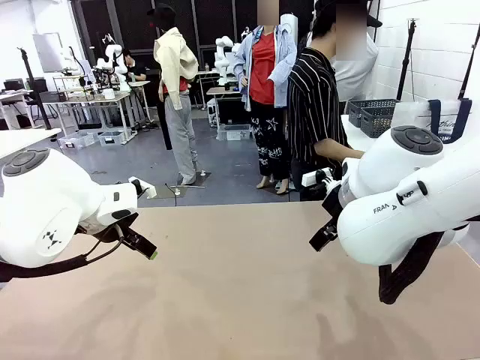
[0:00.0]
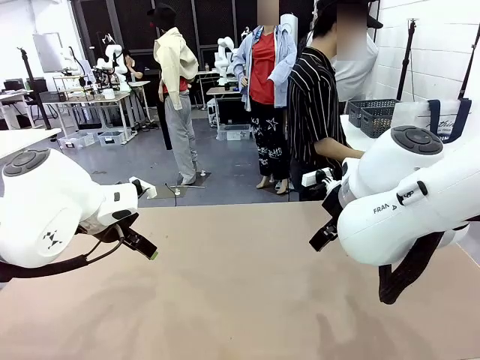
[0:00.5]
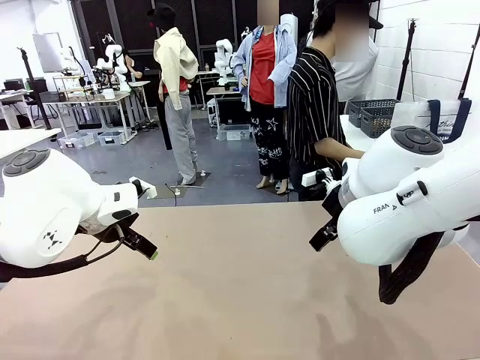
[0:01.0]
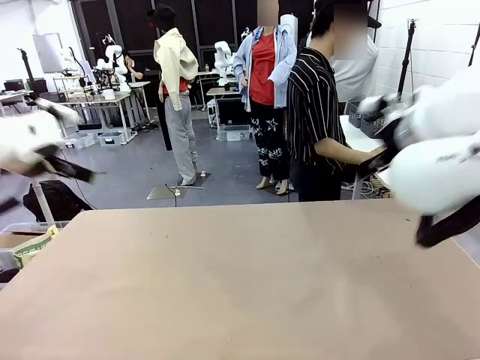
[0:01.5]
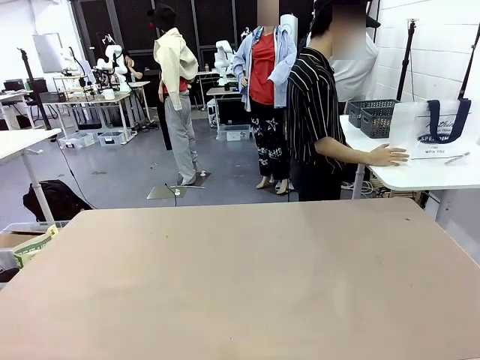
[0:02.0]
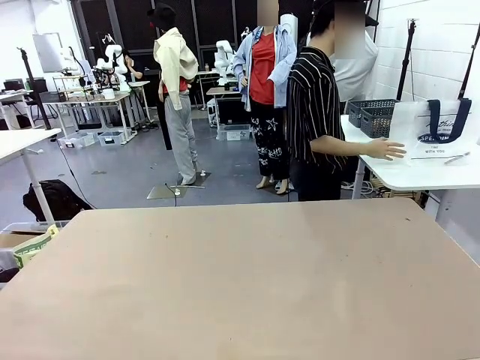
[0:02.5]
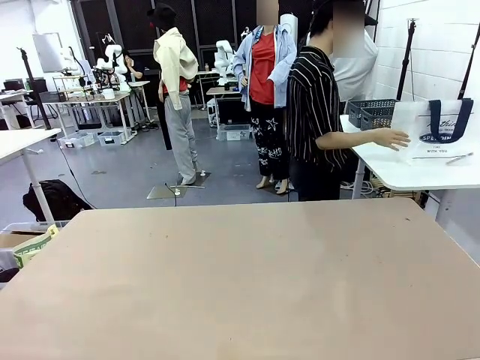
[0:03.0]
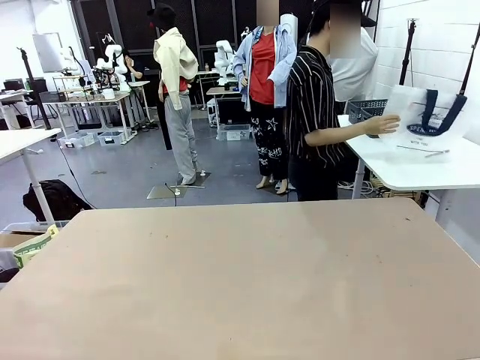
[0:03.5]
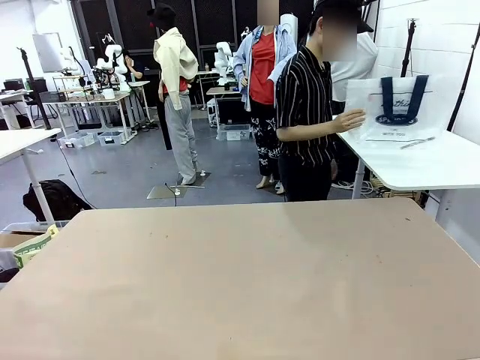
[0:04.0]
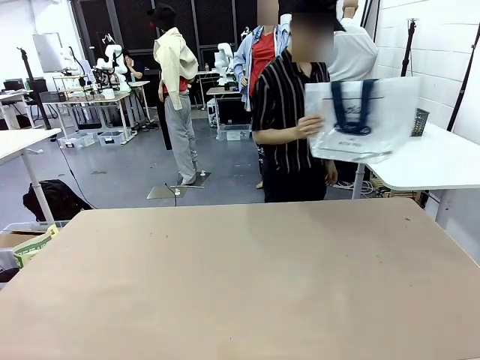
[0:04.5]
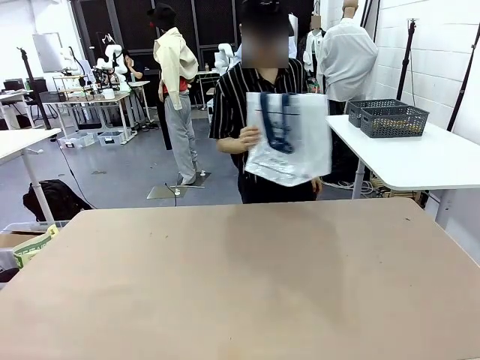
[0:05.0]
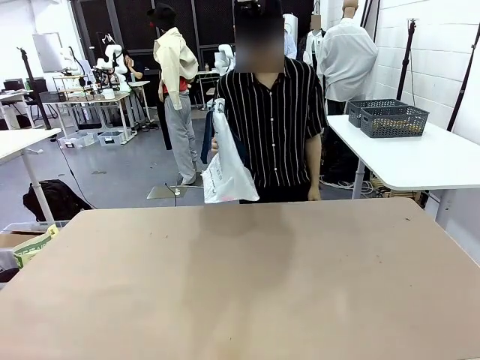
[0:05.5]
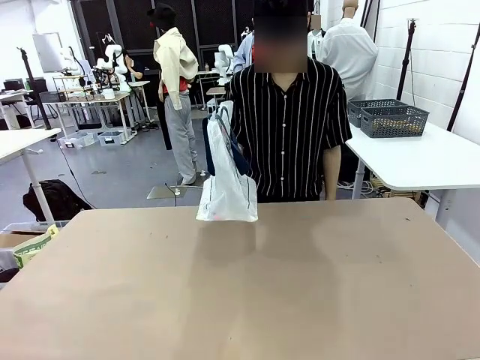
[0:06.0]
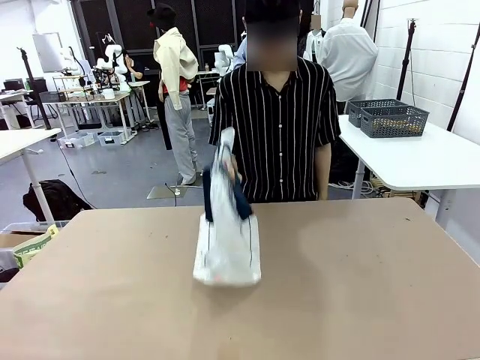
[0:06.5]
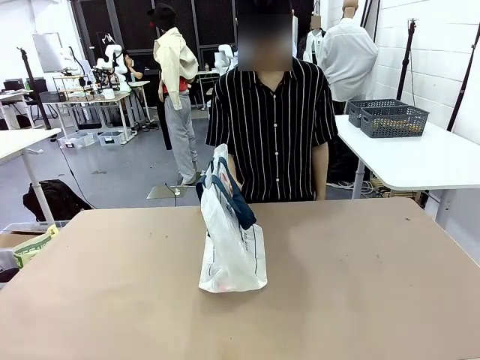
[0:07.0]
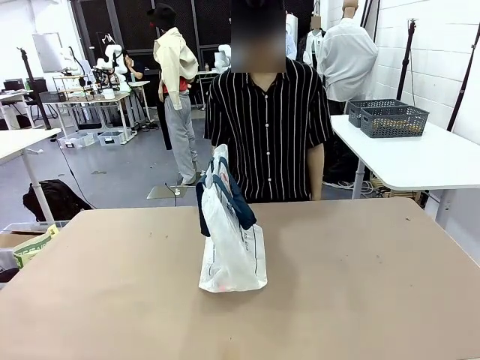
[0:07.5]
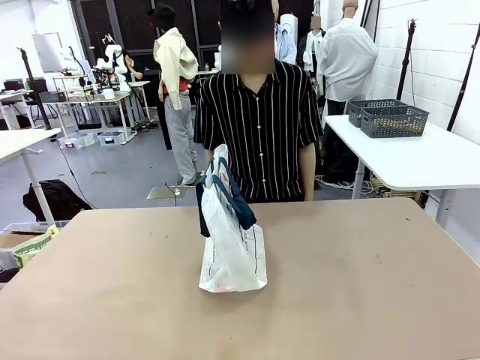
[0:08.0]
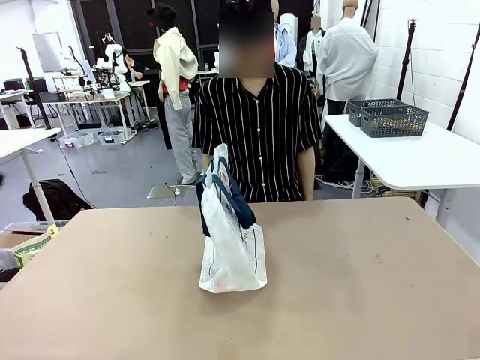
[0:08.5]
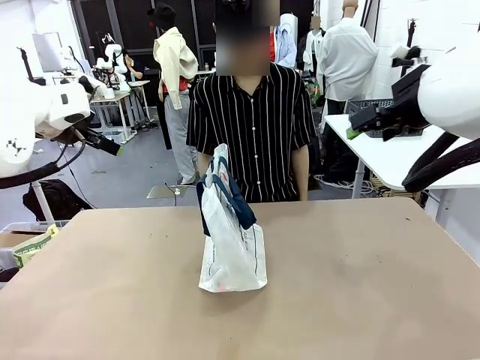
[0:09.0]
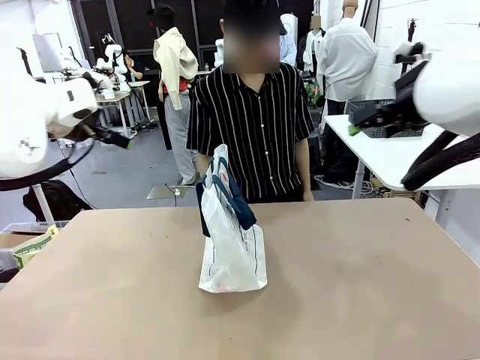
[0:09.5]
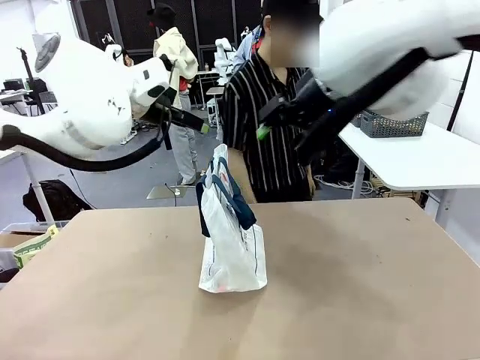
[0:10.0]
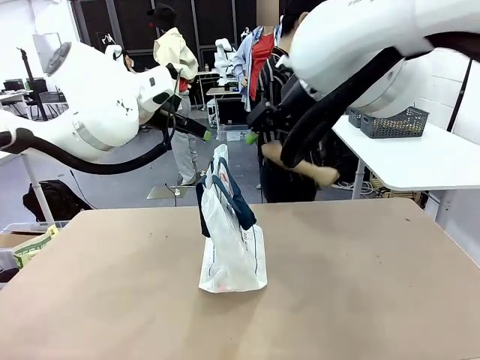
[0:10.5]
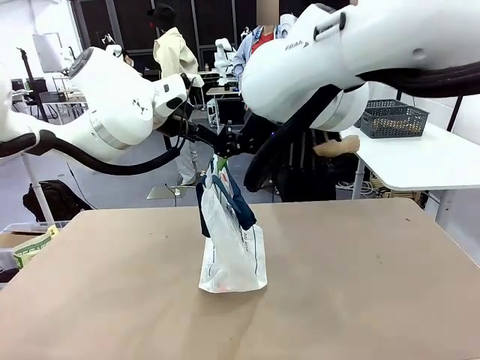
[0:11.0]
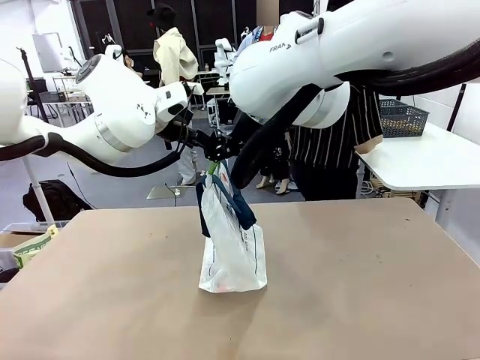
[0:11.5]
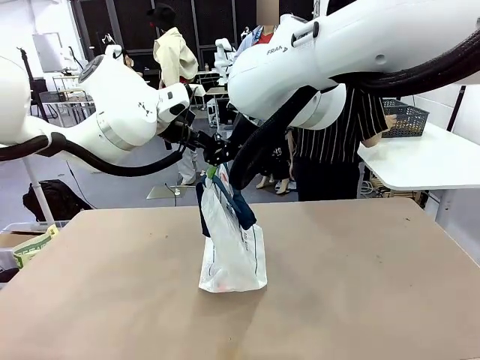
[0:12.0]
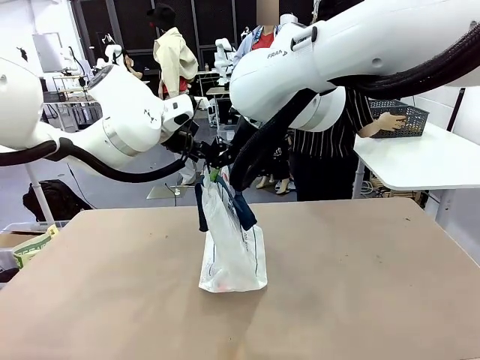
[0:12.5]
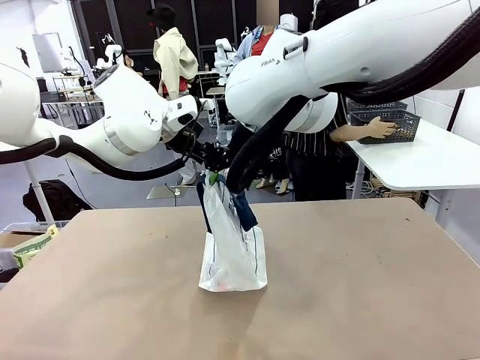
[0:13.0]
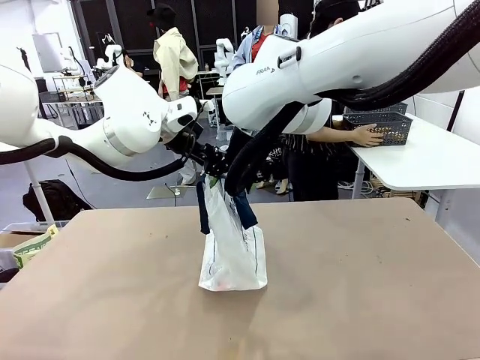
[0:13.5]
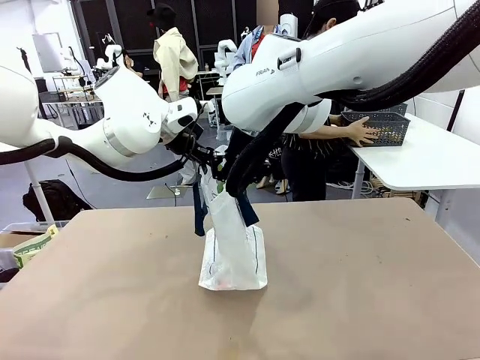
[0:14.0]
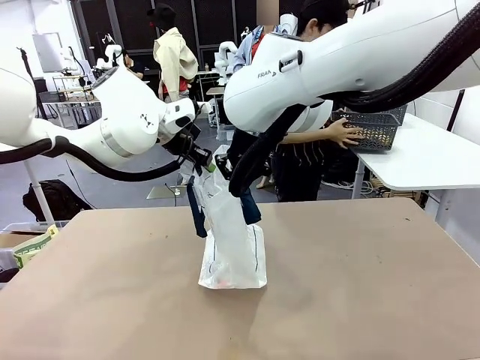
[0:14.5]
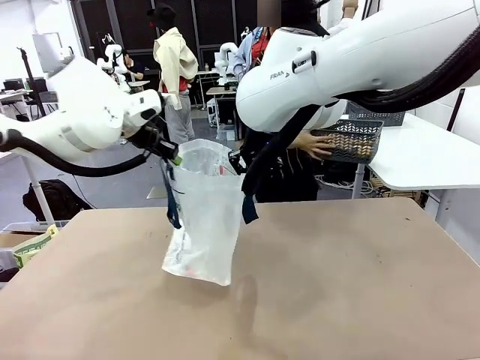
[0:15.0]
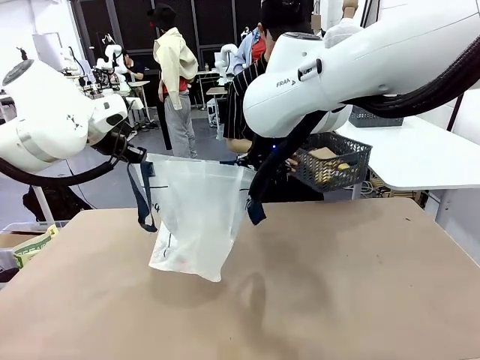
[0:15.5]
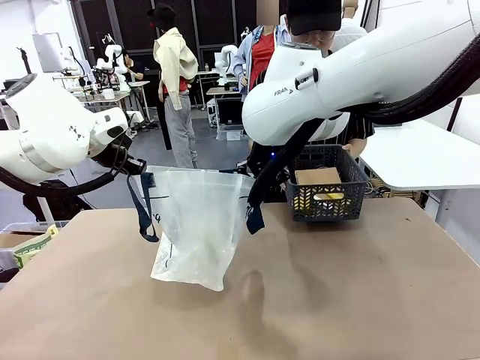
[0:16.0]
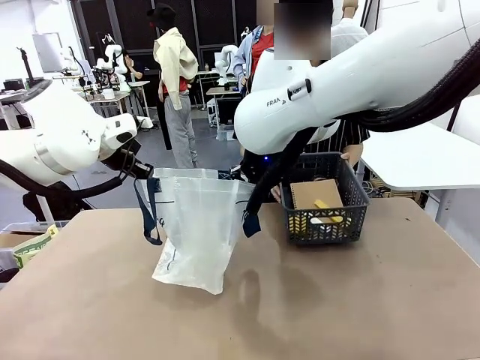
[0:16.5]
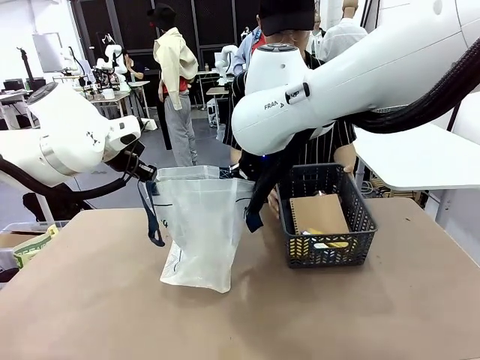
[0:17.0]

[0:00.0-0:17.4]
Task: Transfer purchased items from the store into the shopping bag.
Robot: Open the Reusable shopping bag in the center of the table.
Person: Pick up the shopping bag and place it in the middle of the robot table. Pick up the basket on the right, place it on the left side of the robot table, and move the items in the basket to the shopping bag.
